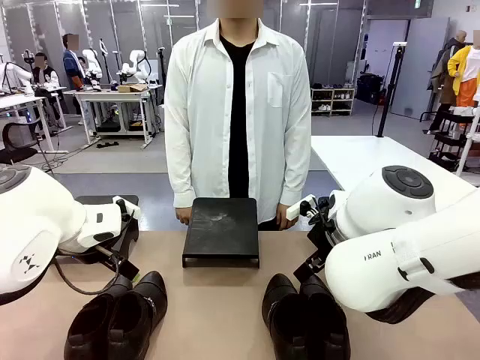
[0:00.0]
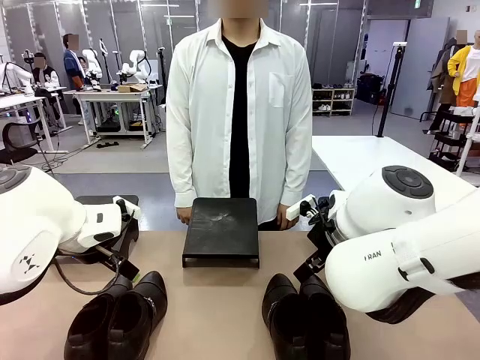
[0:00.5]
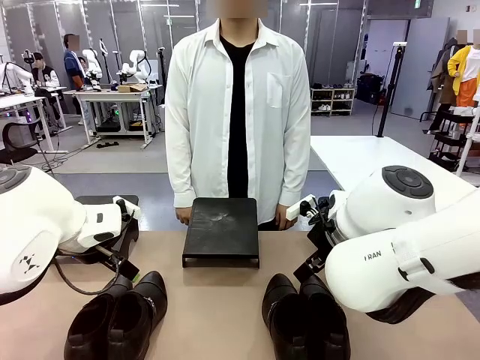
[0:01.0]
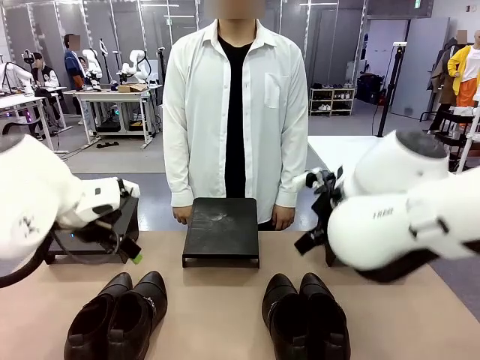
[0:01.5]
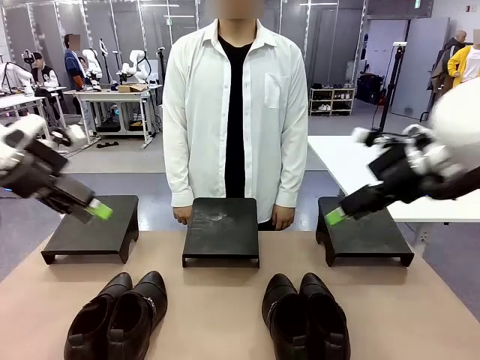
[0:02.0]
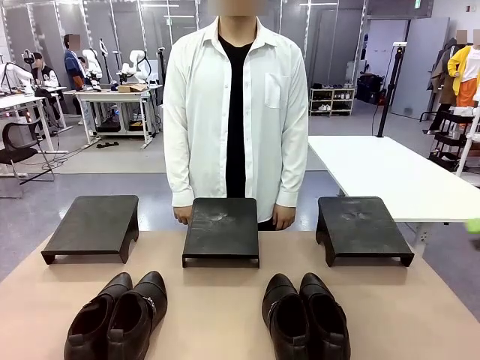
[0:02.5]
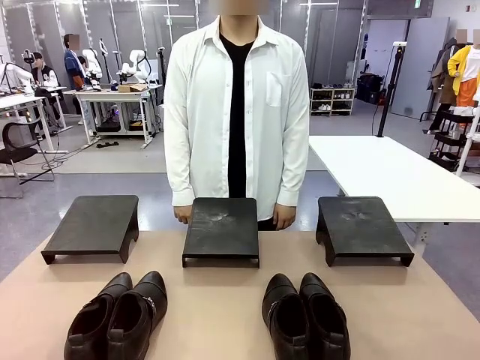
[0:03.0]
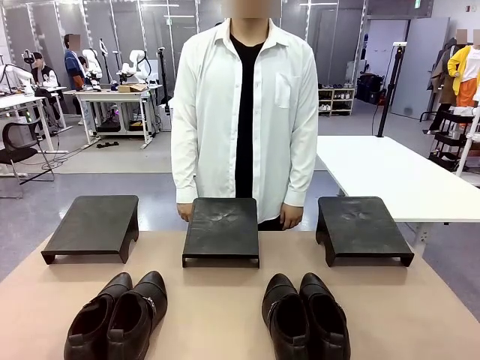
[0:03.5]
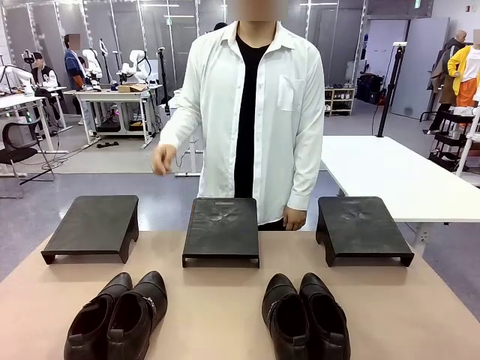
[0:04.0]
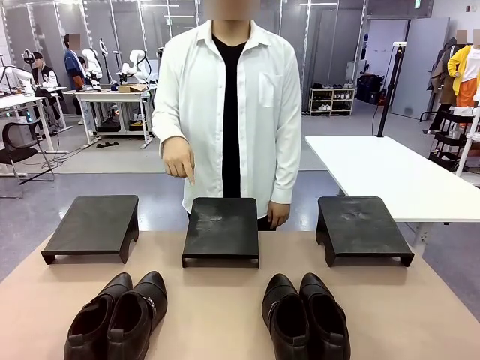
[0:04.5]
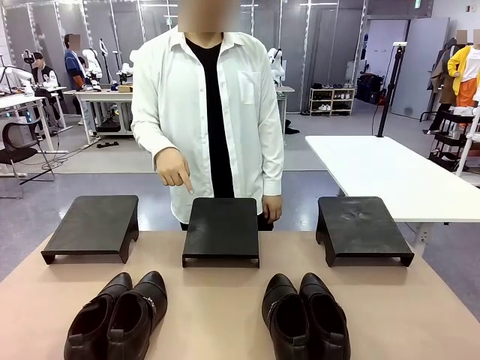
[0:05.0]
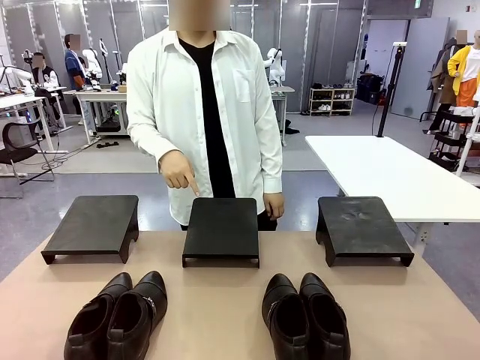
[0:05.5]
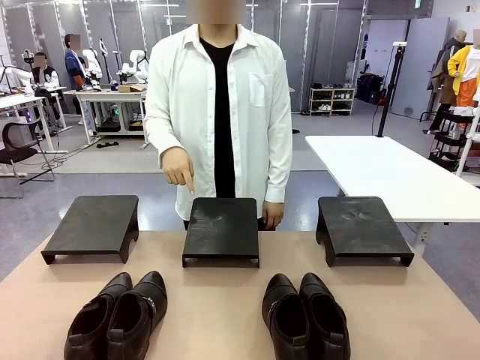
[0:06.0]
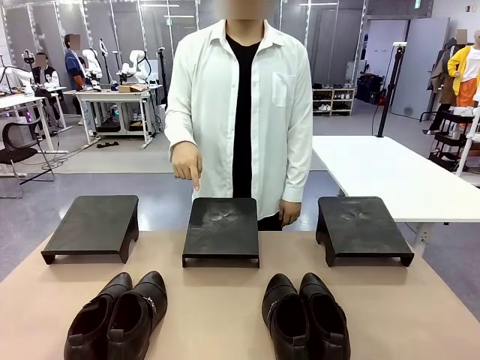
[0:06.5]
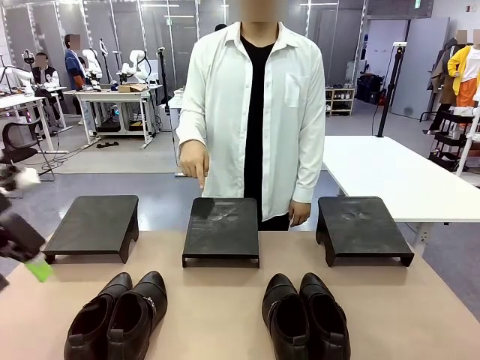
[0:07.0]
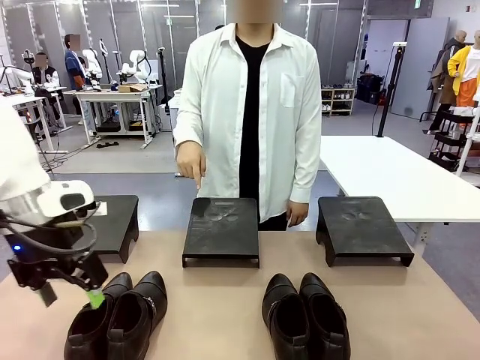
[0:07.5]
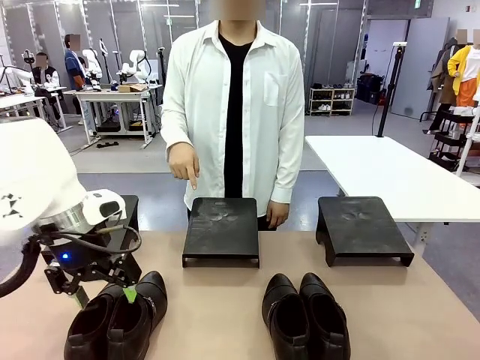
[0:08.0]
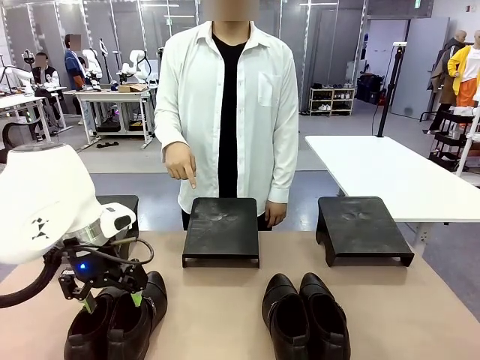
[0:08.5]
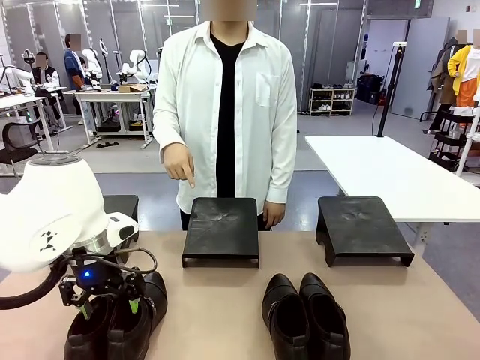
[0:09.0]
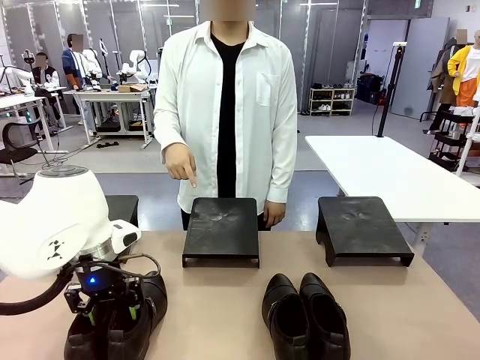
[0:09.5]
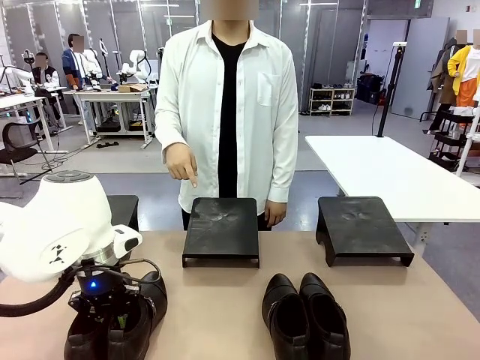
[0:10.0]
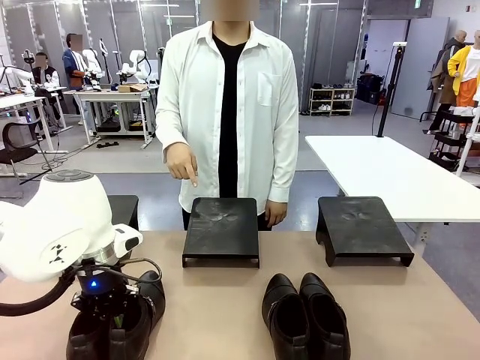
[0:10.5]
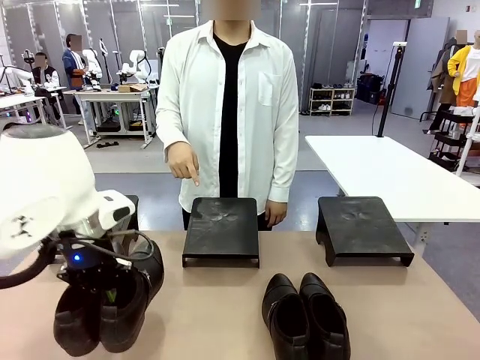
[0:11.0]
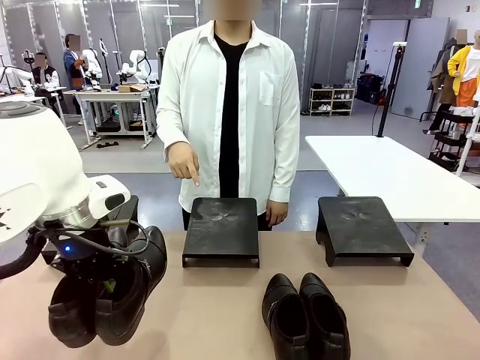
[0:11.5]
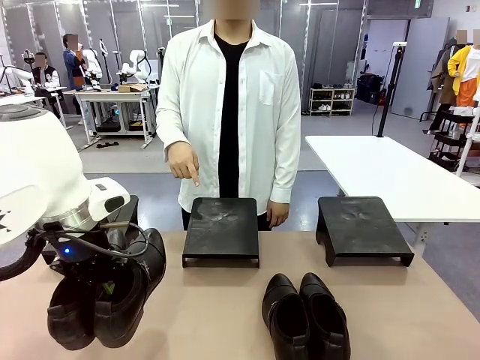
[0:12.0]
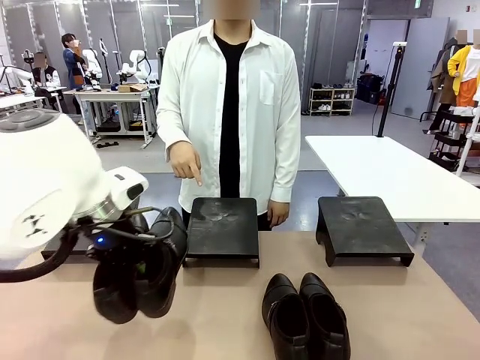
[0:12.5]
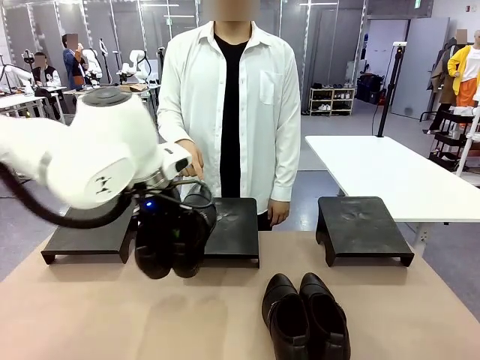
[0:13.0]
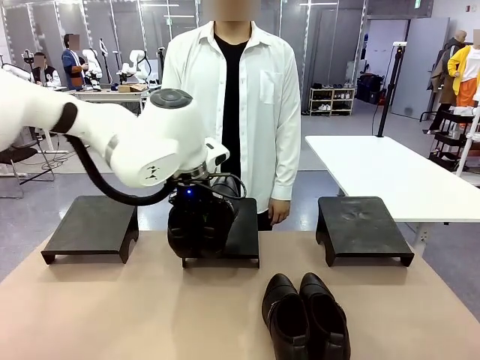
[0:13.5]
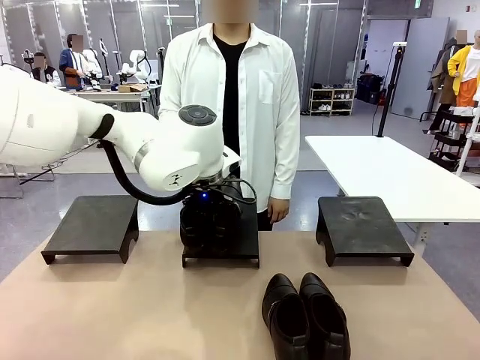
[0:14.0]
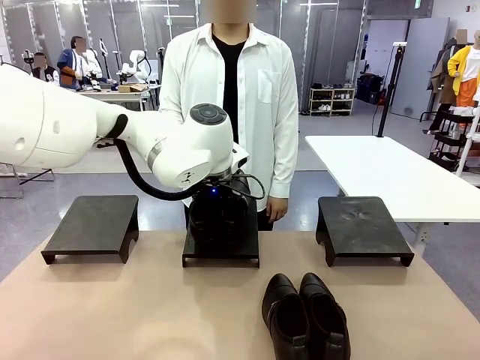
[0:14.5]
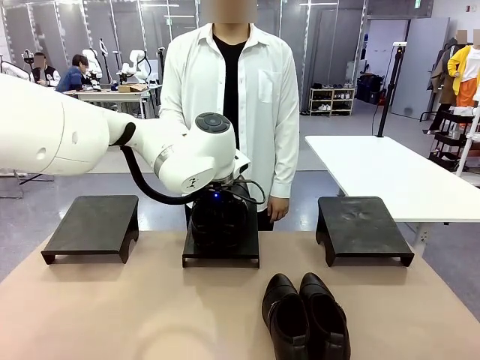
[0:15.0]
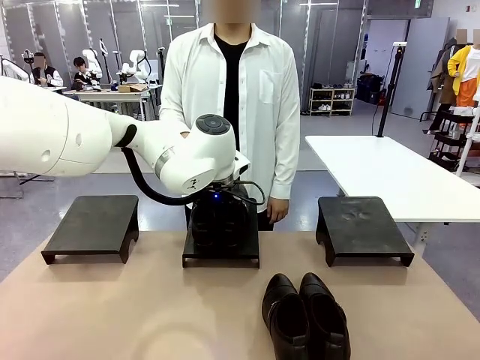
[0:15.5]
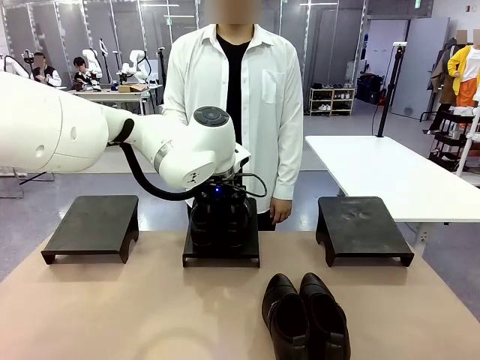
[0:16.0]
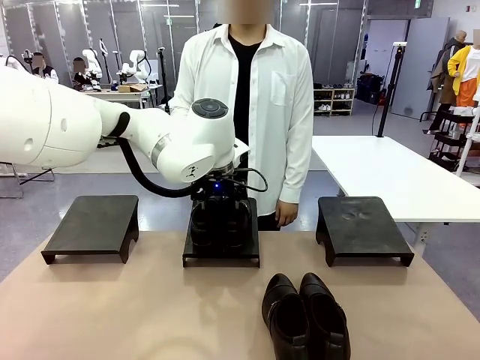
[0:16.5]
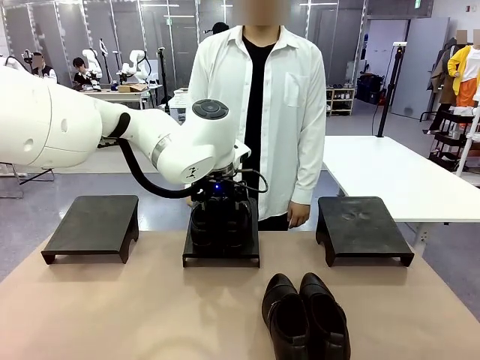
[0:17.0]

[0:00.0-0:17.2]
Task: Place the shoes on the stand as instructed by the person.
Robot: Pick up one pair of Shoes and place it on the Shoes Stand indicated by the person.
